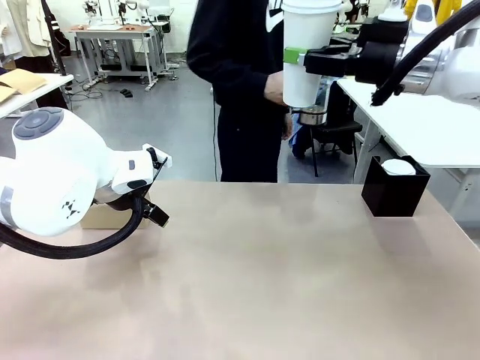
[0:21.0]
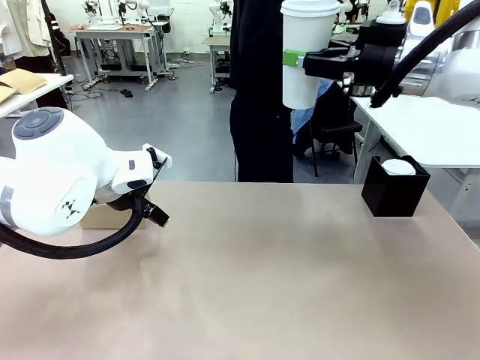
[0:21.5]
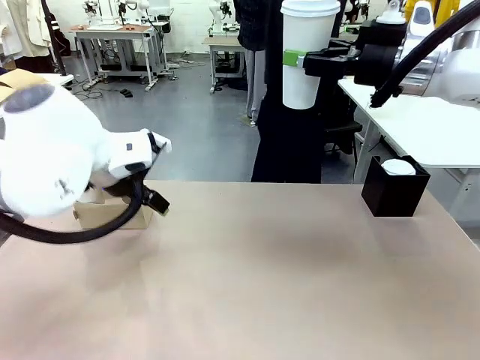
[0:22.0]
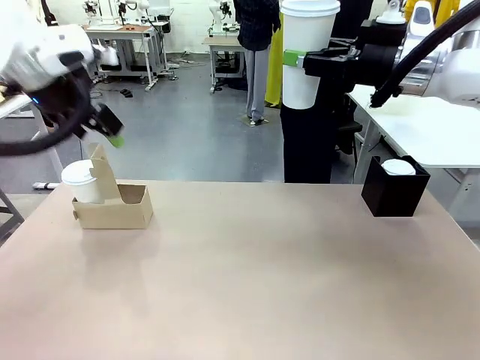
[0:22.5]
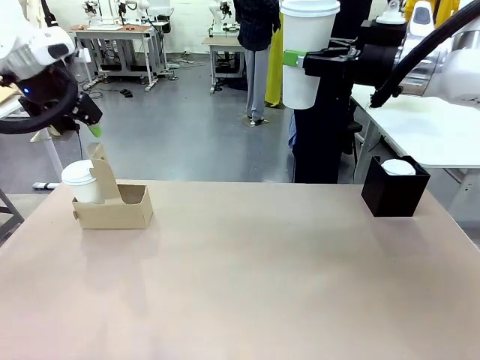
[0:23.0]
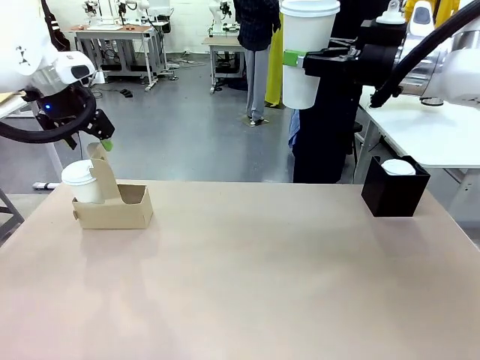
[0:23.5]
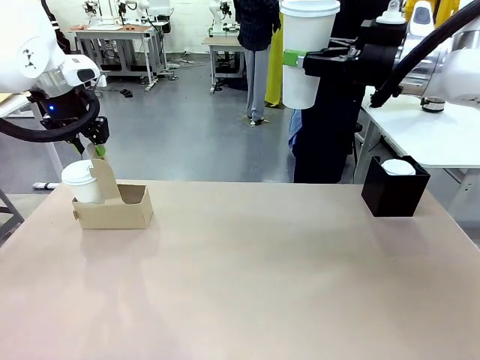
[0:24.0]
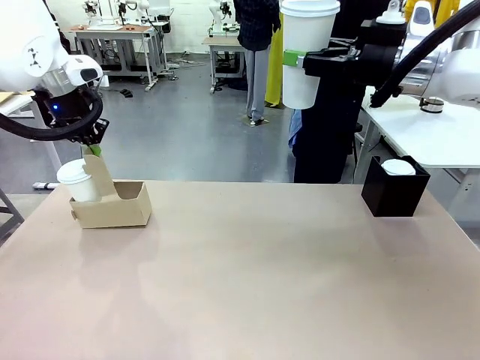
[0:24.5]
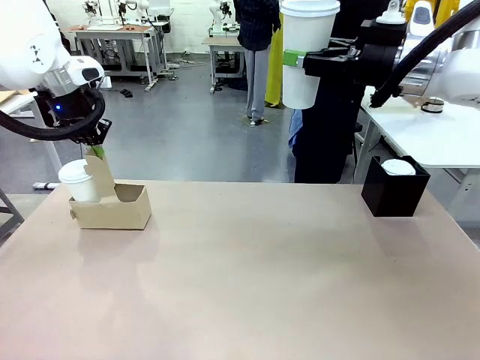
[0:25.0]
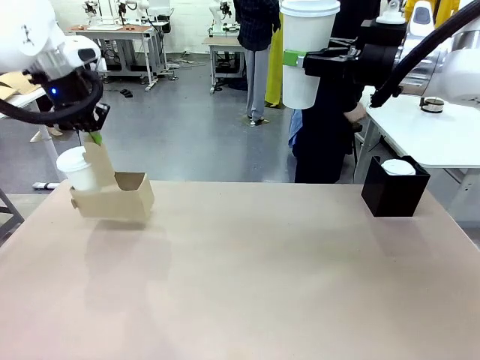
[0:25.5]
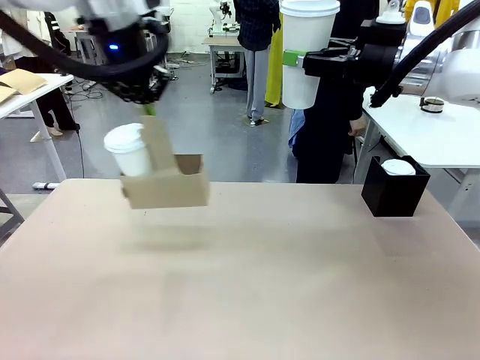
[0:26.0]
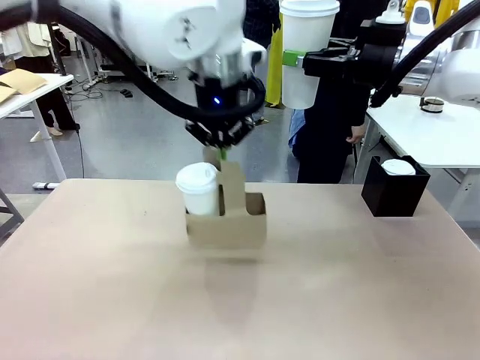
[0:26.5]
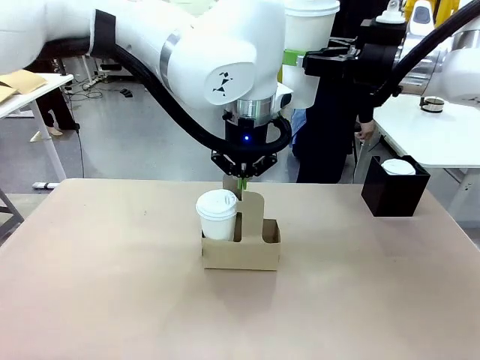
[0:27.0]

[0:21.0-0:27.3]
Task: Pour a drink into a cup and package it in a carrier.
Robot: Position the Cup Carrier in the center of the table.

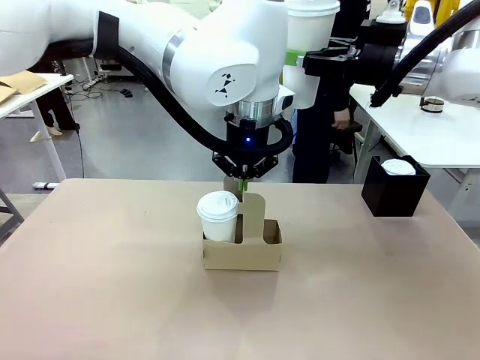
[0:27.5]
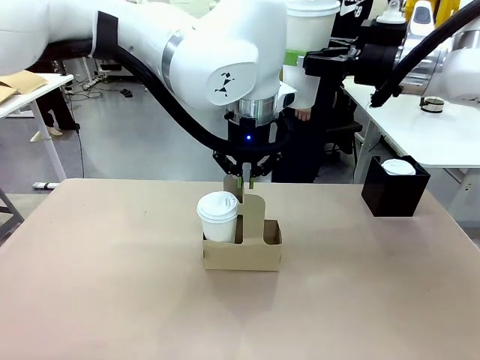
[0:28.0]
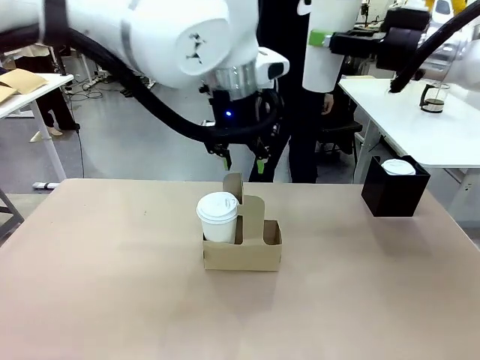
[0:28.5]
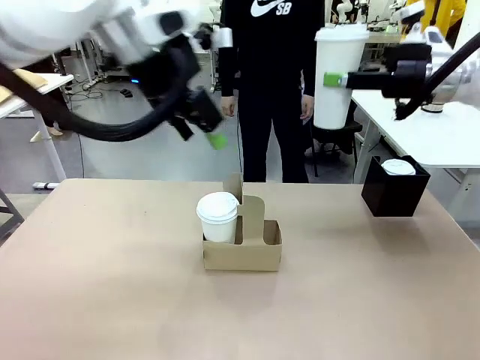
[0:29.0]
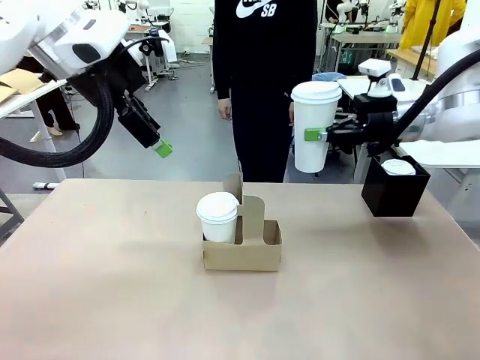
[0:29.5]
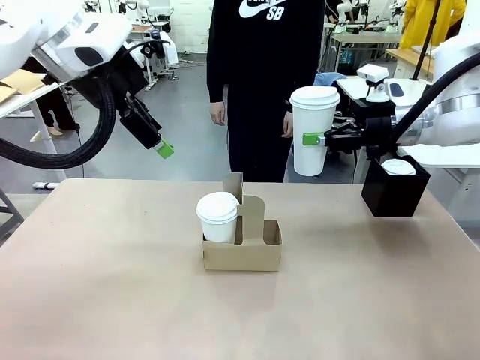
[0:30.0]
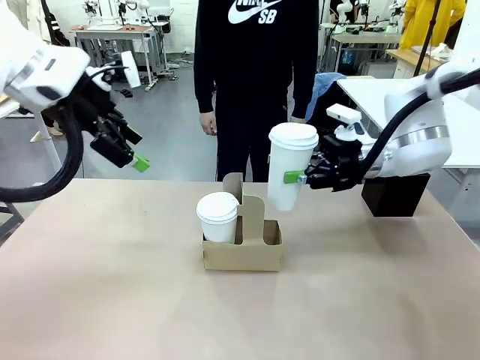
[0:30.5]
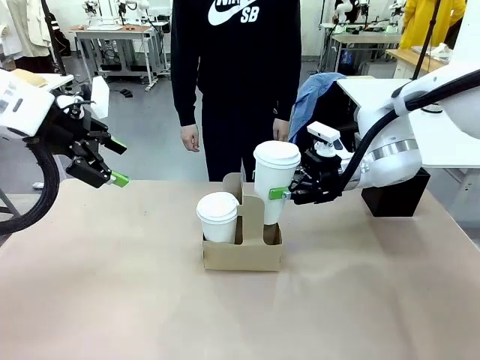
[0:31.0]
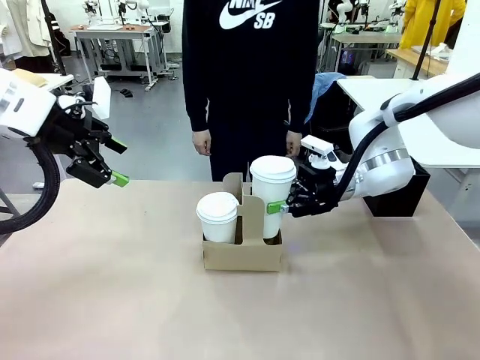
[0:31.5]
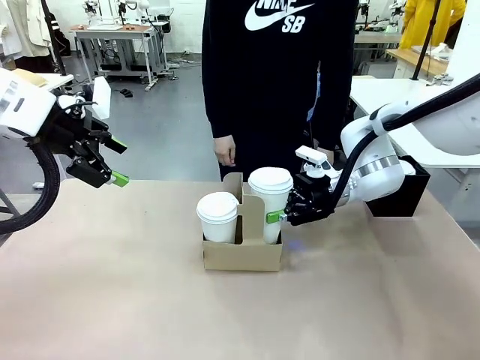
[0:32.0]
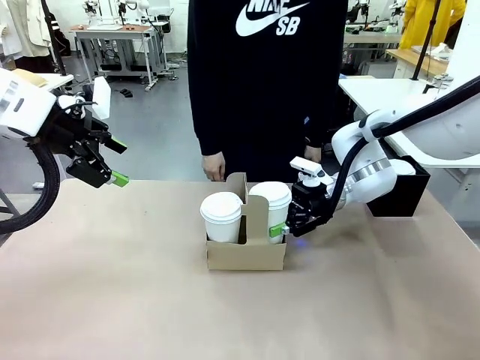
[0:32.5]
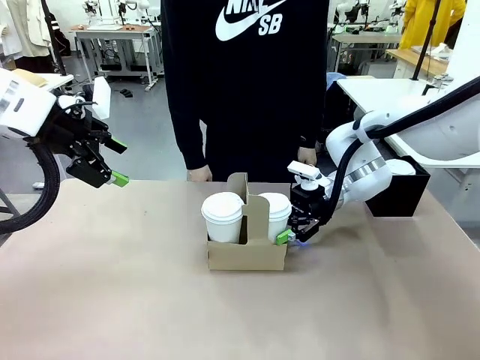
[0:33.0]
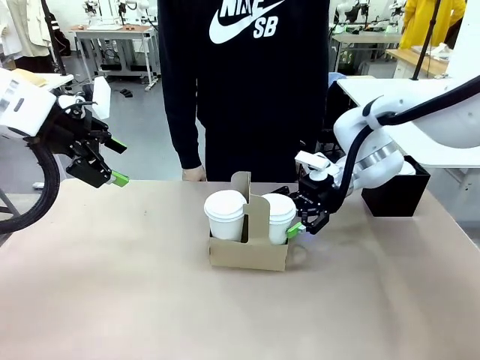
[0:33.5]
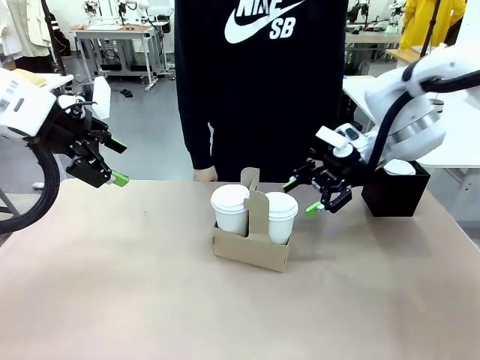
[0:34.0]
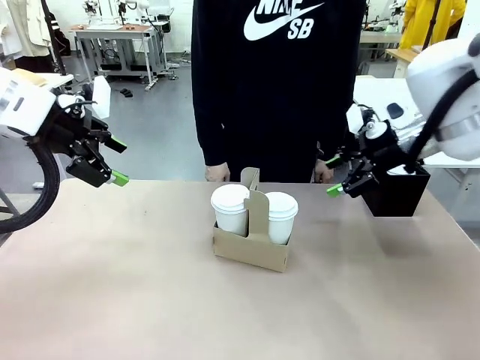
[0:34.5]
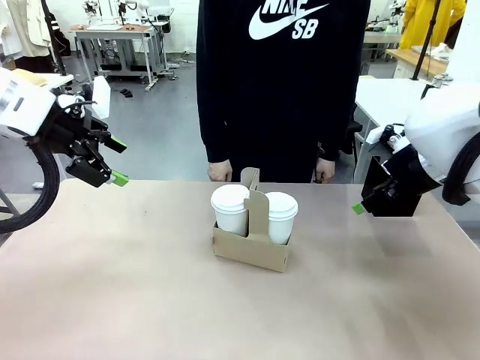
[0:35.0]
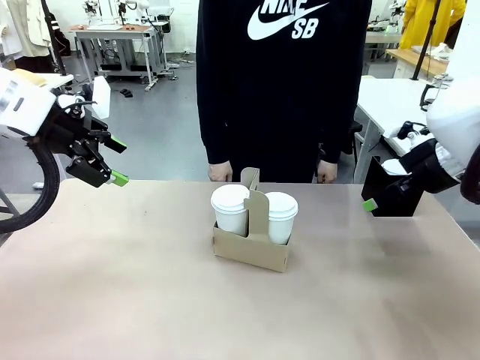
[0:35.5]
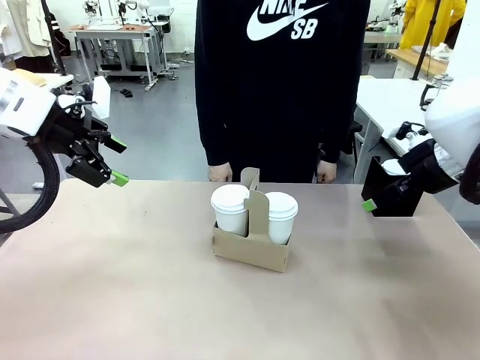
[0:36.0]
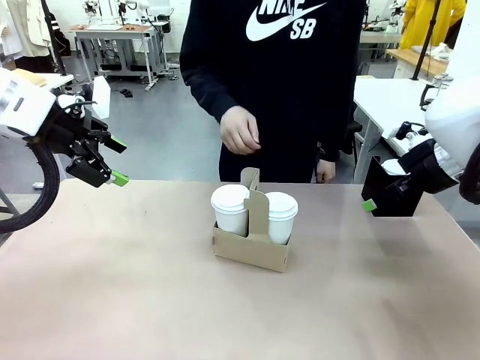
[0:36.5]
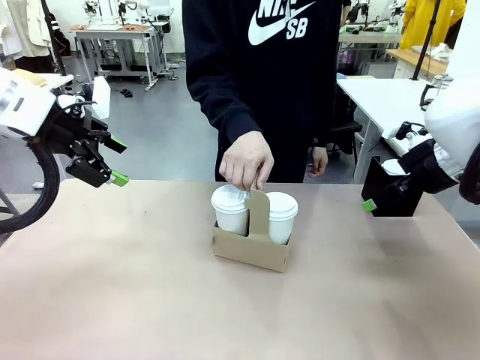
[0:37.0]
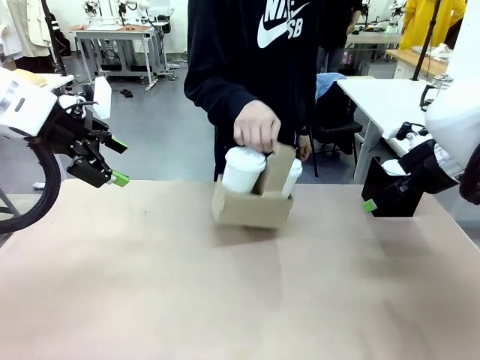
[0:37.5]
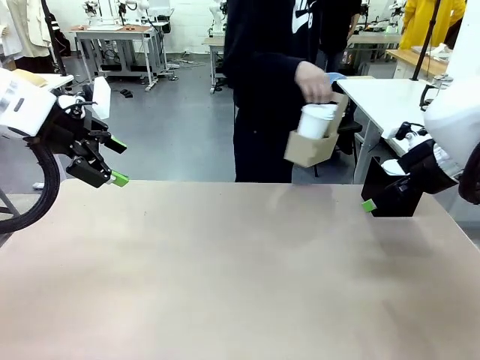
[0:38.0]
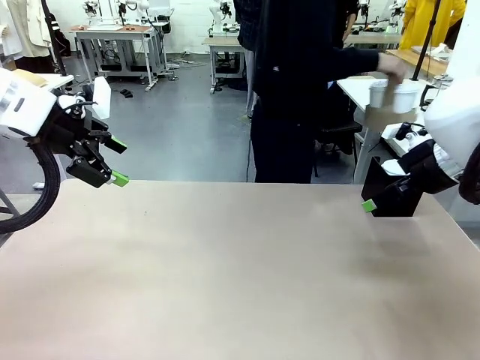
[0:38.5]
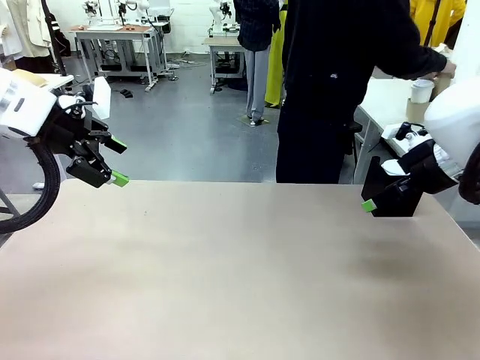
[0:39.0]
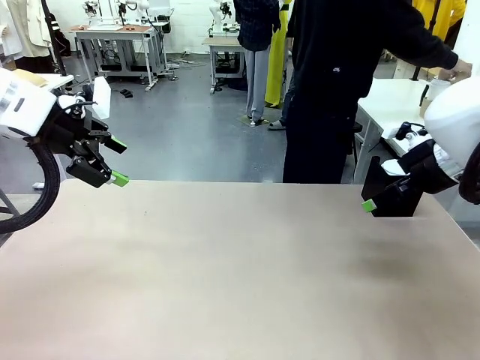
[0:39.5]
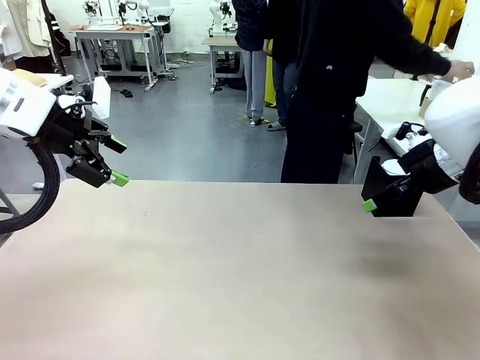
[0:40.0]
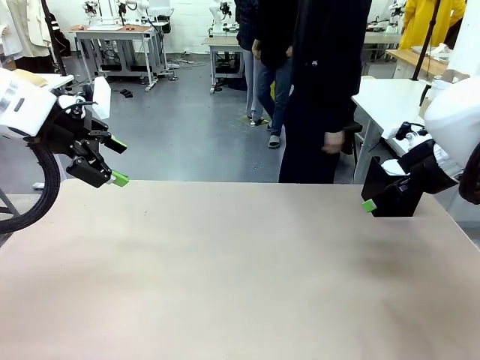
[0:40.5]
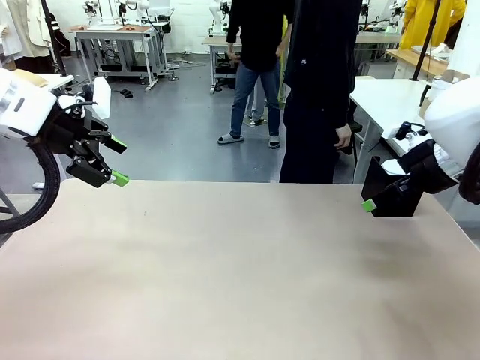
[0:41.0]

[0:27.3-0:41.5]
Robot: Insert the held 600 ml Paper Cup into the Cup Carrier.
Person: Place the Cup Carrier to the middle of Human table.

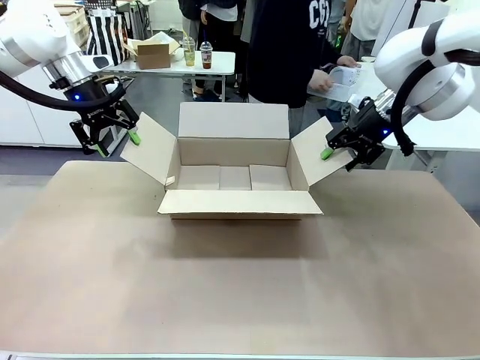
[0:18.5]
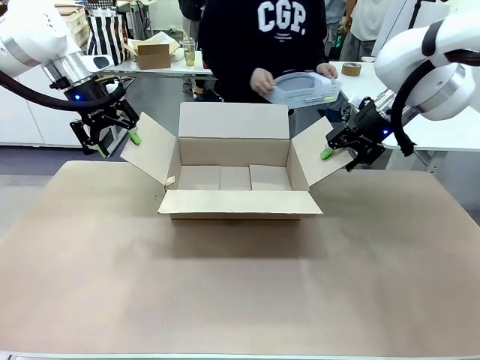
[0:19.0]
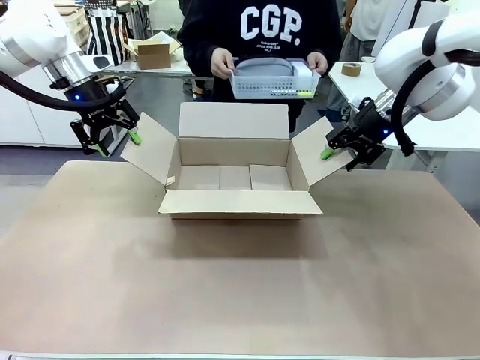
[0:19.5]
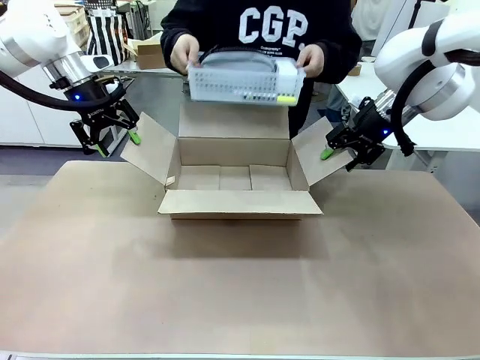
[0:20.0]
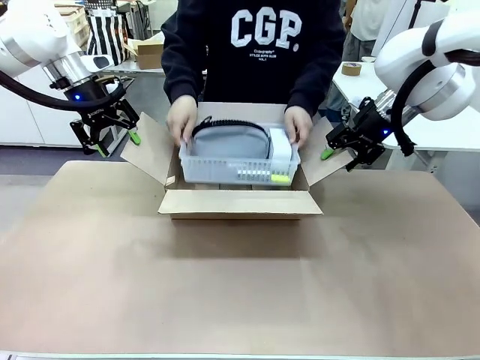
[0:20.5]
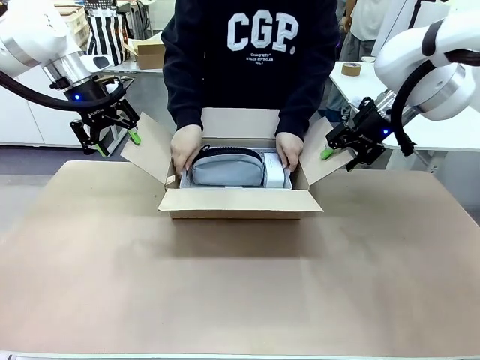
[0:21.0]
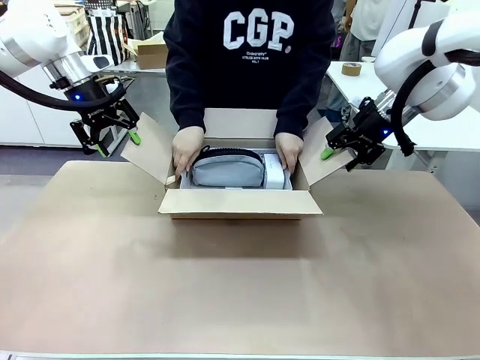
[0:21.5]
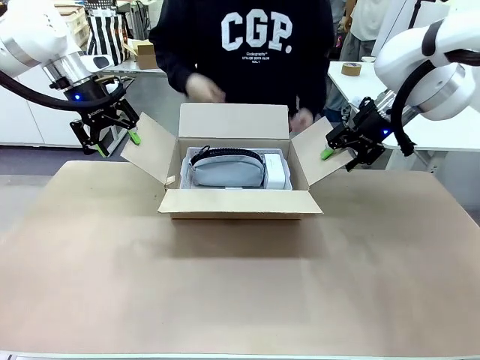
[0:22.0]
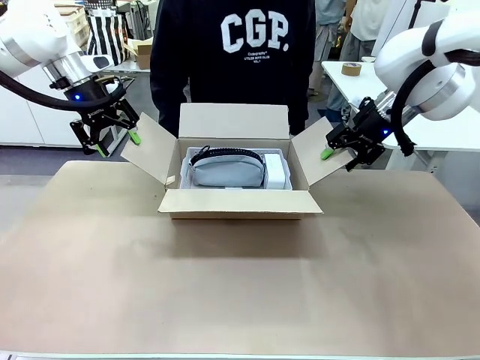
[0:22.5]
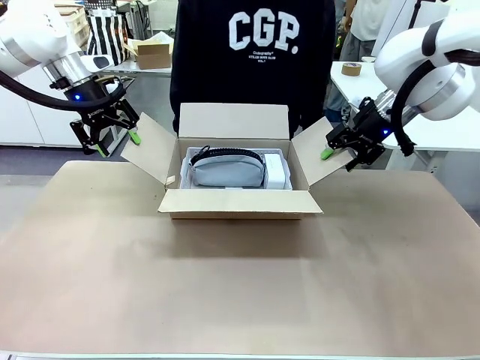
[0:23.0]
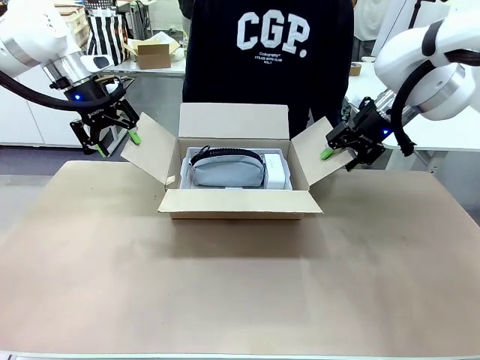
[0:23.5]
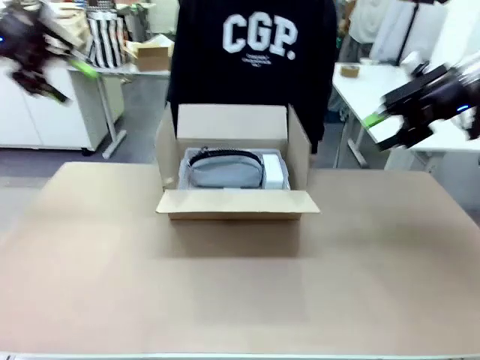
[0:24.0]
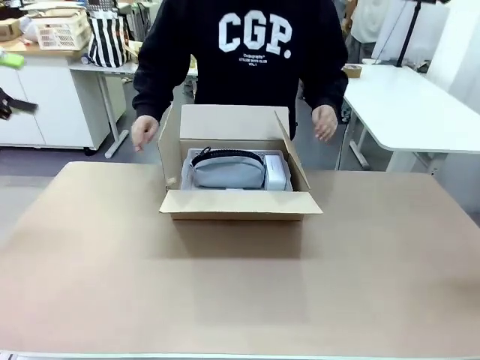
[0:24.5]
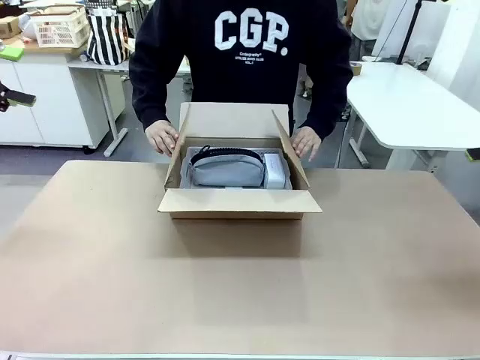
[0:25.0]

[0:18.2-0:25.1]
Task: Pack the gift set into the box.
Robot: Lift both hands away from the flaps of the Package Box.
Person: The human picks up the organizing basket and places the organizing basket into the package box on the robot table.
